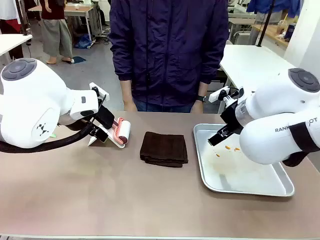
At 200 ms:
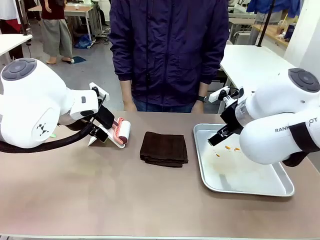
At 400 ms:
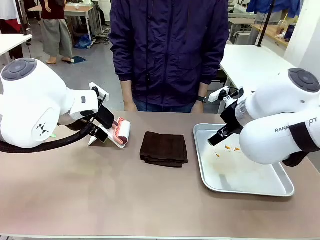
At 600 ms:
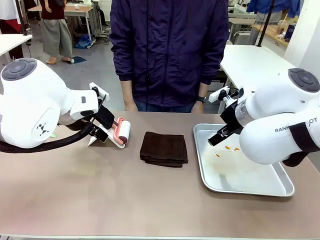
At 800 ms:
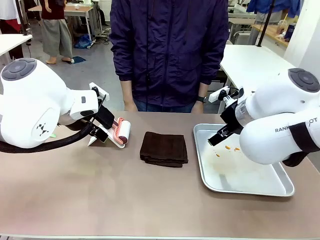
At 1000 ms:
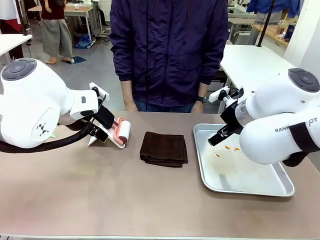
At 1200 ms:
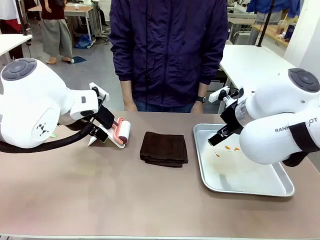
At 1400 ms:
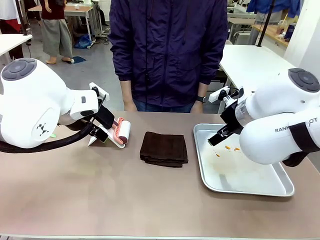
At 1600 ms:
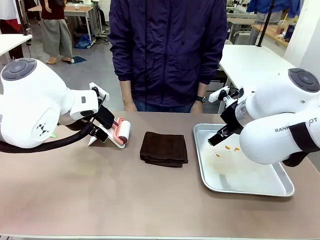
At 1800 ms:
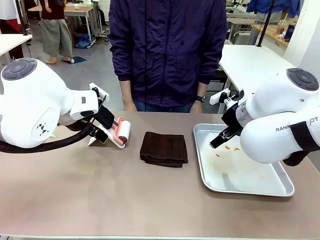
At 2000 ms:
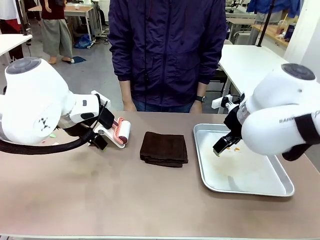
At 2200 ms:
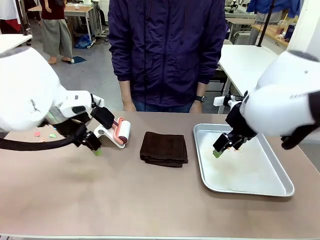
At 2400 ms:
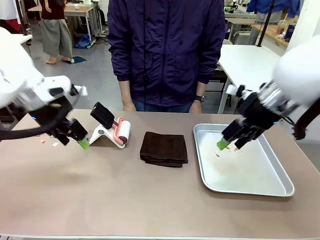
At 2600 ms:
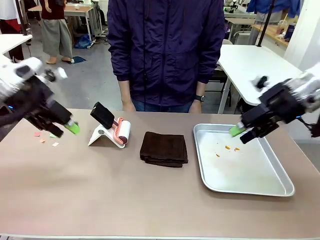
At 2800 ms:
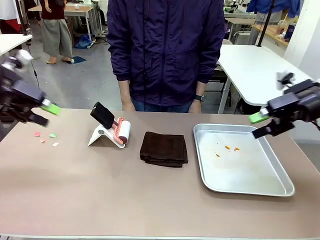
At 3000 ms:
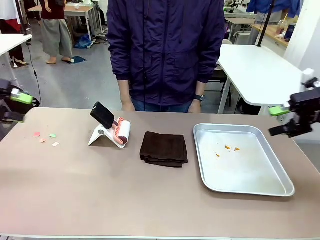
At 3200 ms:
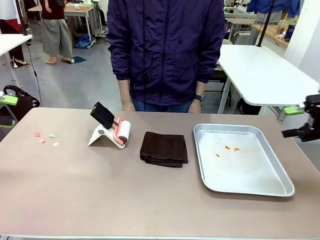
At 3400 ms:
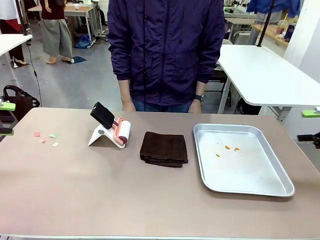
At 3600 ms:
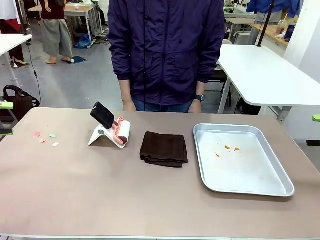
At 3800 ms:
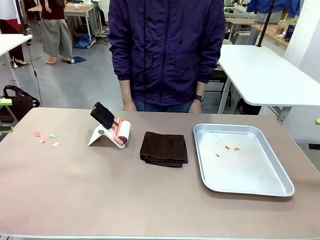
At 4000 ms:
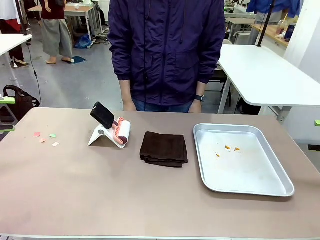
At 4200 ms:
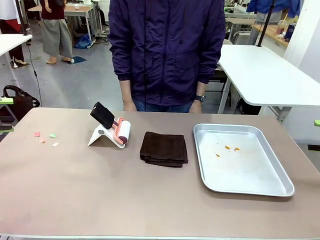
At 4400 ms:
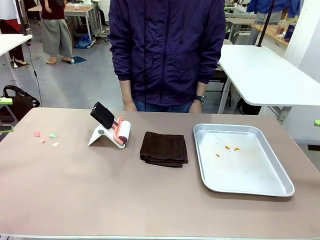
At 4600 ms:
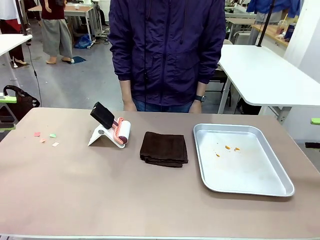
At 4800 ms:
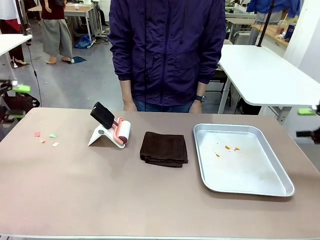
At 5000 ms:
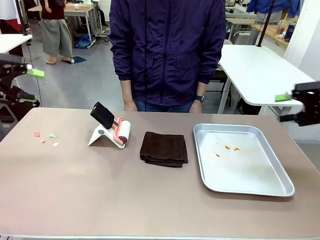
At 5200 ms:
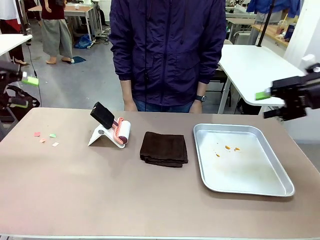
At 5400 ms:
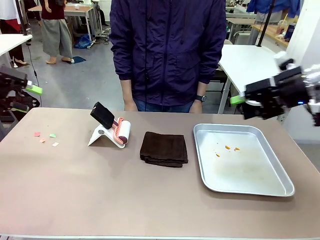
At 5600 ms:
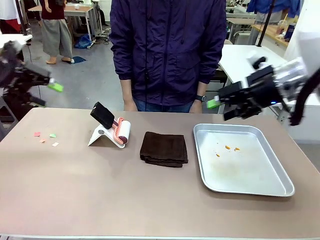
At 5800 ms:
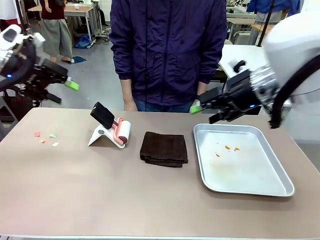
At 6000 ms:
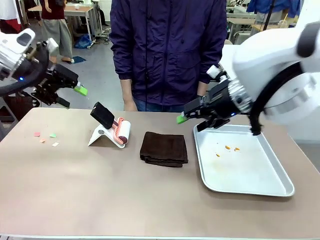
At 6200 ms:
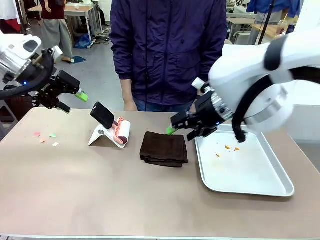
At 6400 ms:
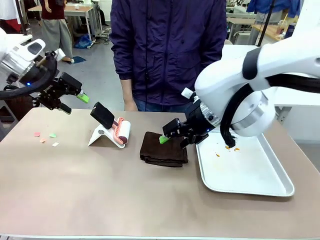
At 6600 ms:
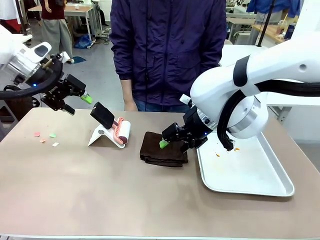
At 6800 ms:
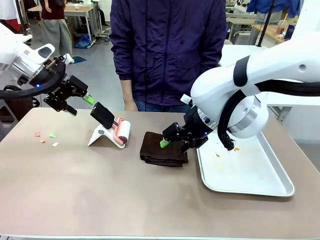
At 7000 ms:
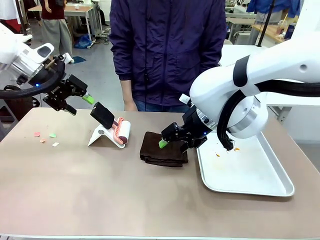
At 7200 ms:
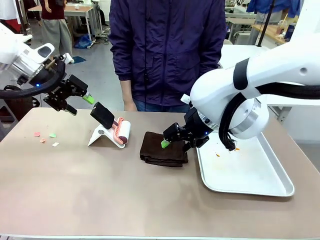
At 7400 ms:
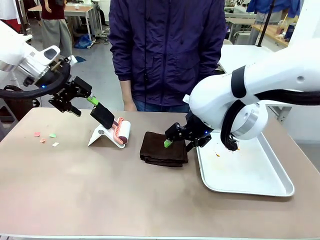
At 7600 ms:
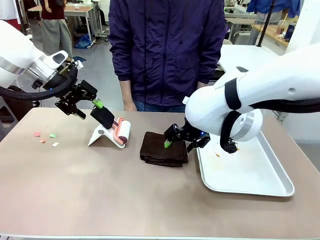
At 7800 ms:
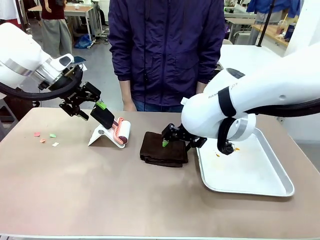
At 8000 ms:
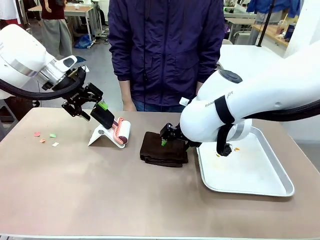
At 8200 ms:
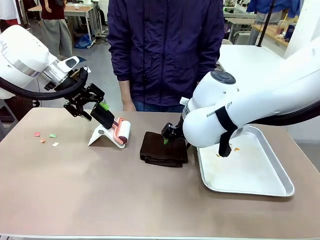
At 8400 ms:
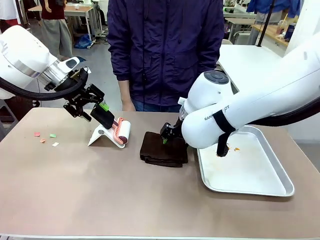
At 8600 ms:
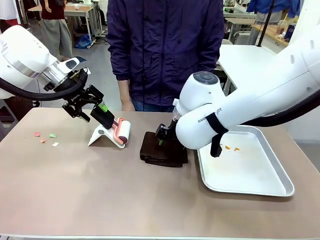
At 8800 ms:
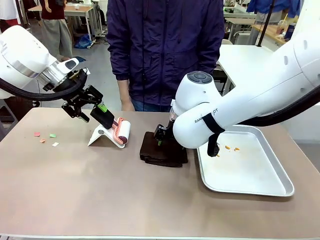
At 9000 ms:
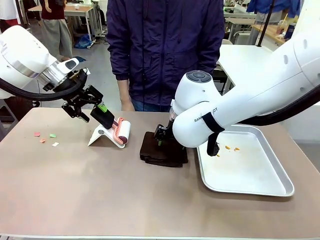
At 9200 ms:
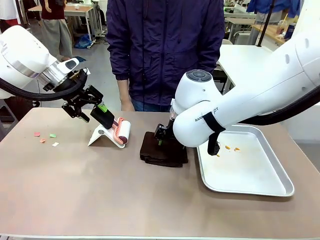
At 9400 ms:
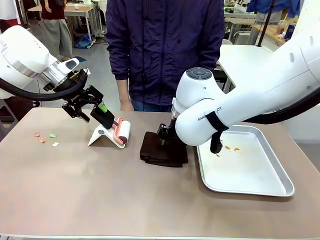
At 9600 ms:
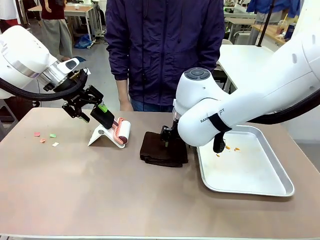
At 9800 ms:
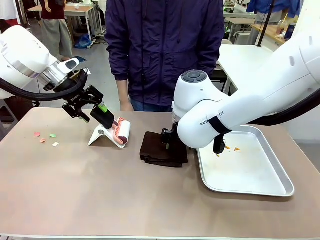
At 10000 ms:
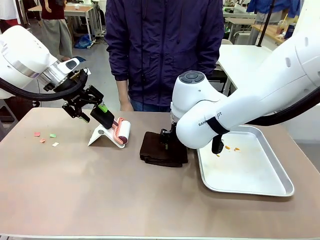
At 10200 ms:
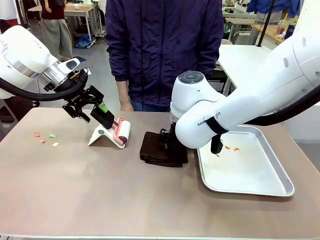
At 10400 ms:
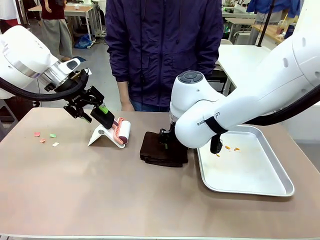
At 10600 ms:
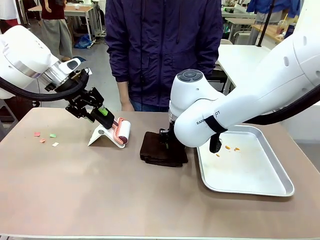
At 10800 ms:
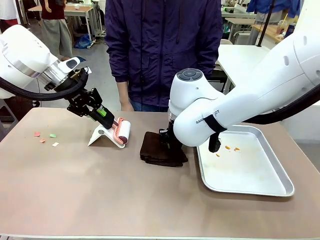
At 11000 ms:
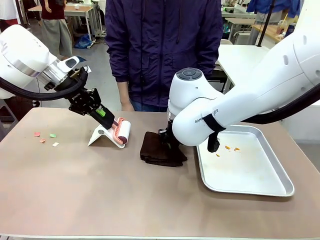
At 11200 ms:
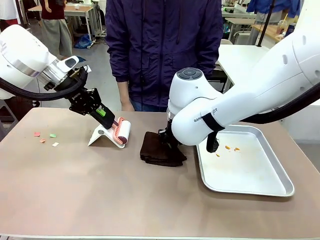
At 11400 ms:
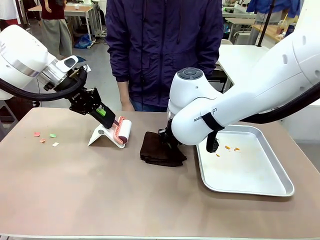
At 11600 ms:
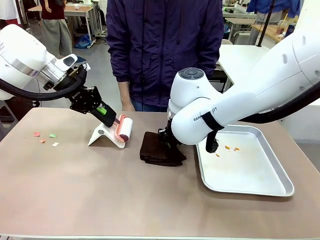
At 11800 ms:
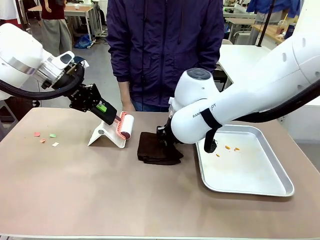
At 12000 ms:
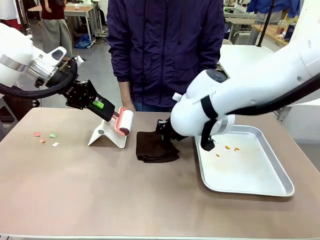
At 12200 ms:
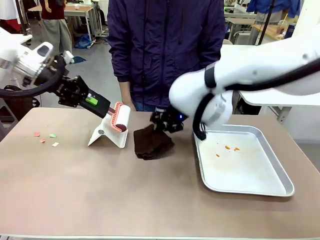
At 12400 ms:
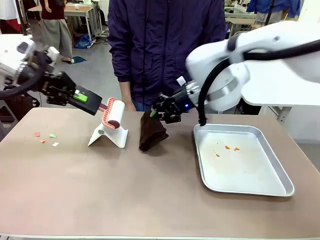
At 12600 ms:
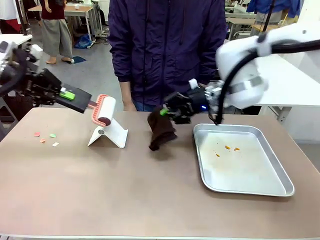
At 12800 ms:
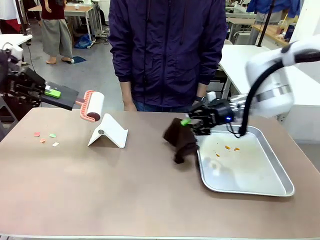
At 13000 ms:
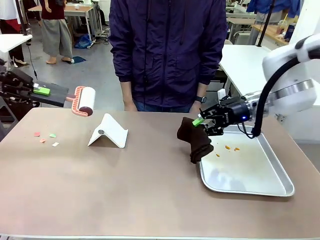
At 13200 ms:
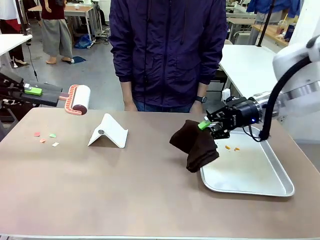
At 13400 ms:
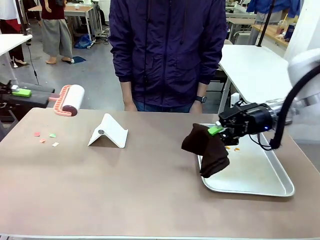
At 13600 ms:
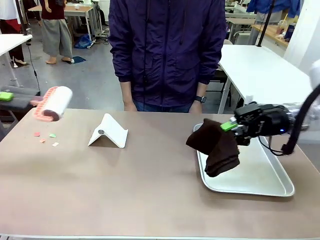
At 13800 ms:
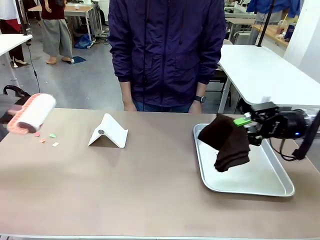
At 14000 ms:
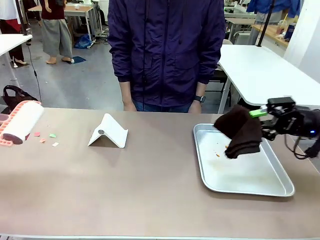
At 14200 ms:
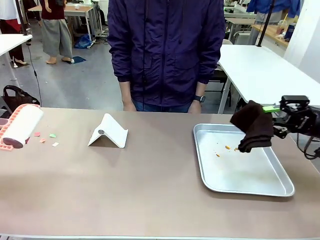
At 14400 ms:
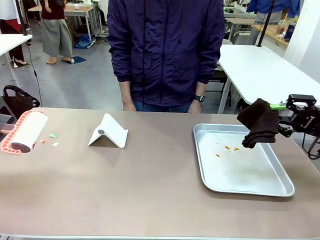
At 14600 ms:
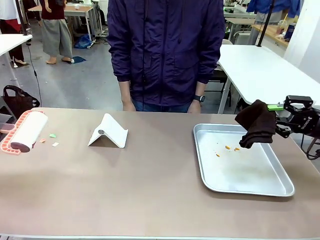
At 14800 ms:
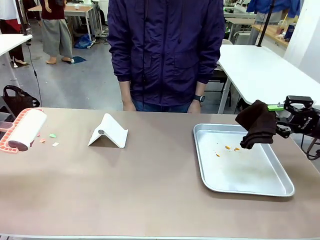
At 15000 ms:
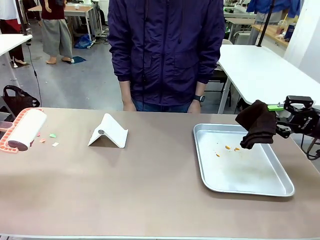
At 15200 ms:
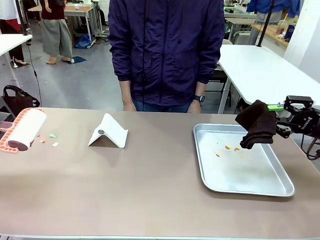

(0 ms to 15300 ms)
Task: Clean the surface of the table.
Robot: Hold the Lint Roller with your left hand and the towel with your right hand.

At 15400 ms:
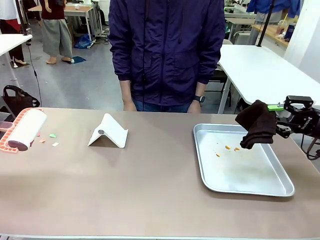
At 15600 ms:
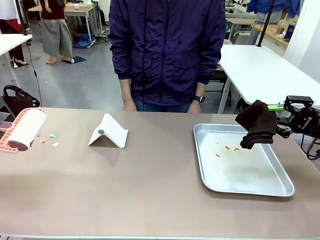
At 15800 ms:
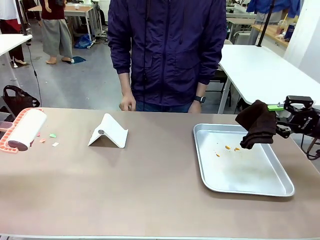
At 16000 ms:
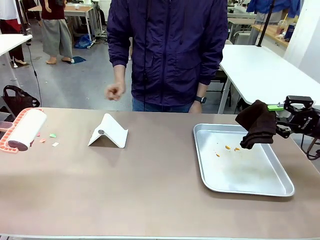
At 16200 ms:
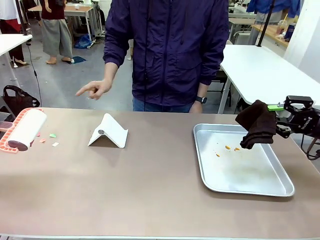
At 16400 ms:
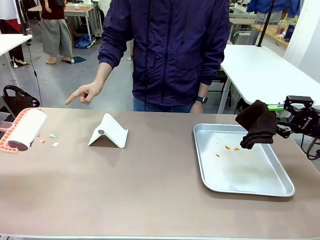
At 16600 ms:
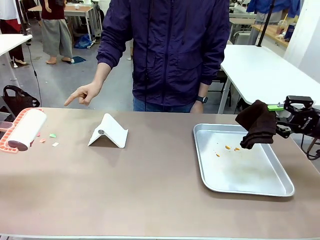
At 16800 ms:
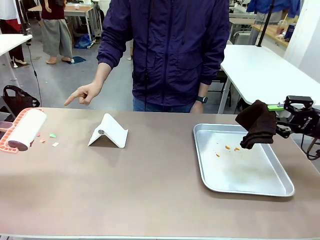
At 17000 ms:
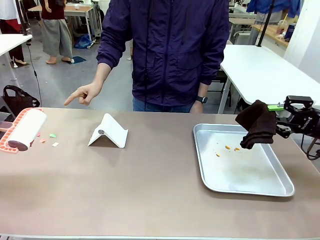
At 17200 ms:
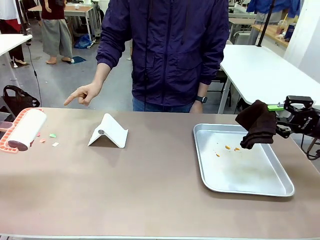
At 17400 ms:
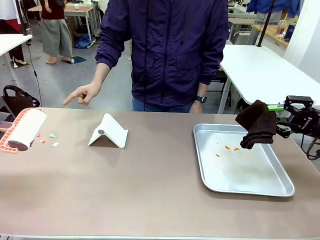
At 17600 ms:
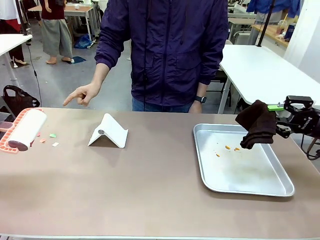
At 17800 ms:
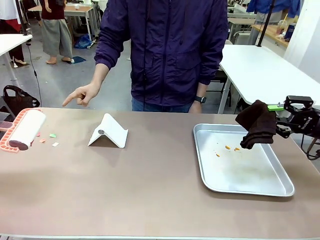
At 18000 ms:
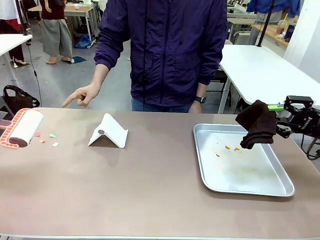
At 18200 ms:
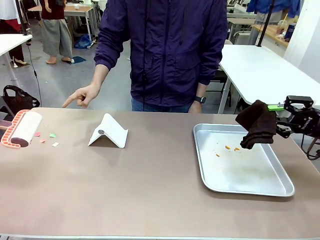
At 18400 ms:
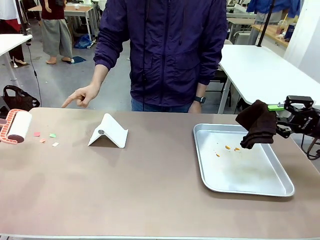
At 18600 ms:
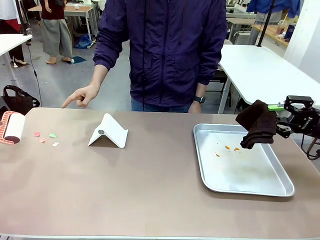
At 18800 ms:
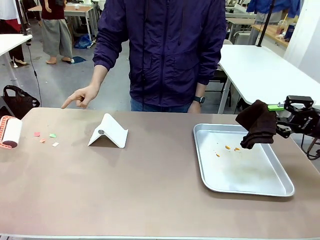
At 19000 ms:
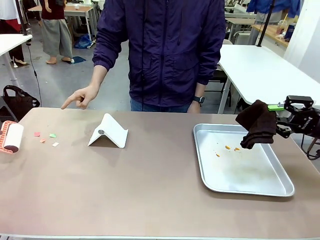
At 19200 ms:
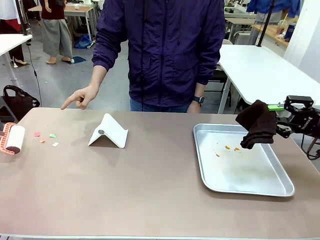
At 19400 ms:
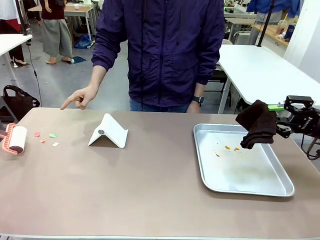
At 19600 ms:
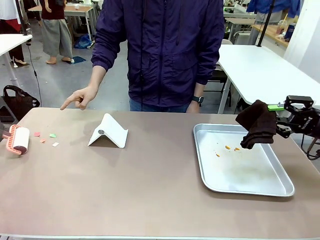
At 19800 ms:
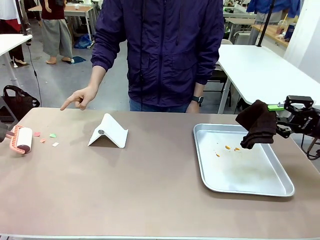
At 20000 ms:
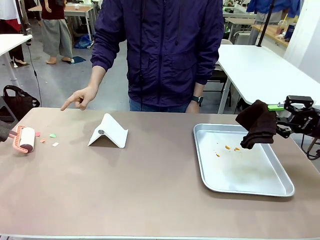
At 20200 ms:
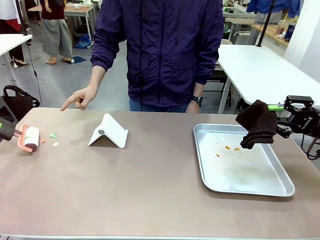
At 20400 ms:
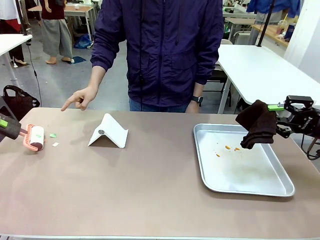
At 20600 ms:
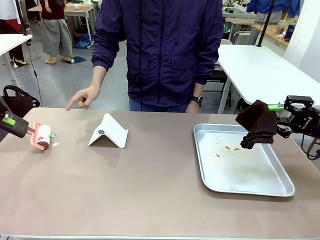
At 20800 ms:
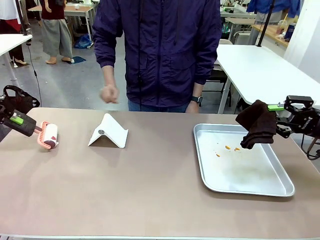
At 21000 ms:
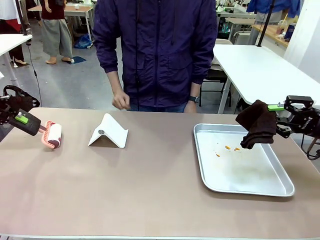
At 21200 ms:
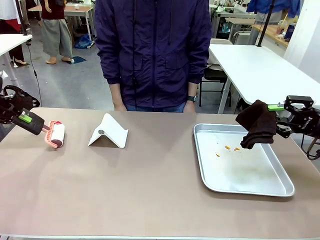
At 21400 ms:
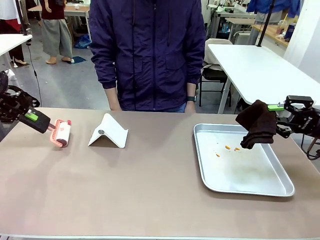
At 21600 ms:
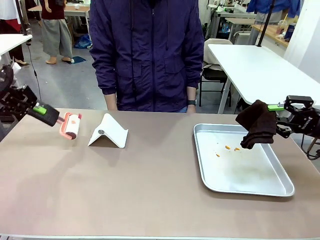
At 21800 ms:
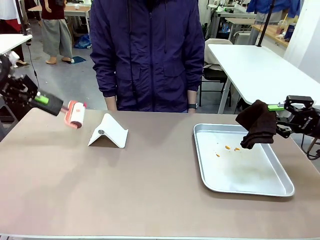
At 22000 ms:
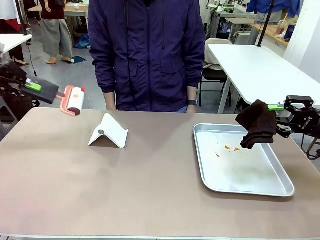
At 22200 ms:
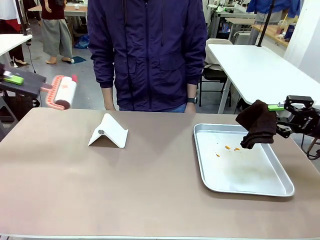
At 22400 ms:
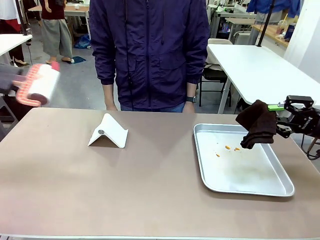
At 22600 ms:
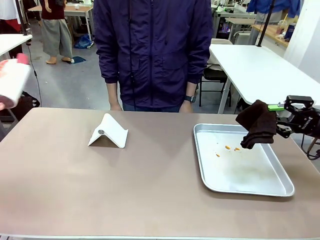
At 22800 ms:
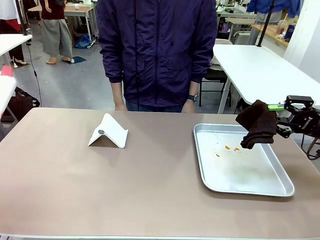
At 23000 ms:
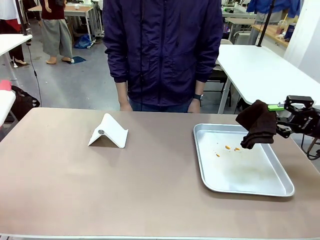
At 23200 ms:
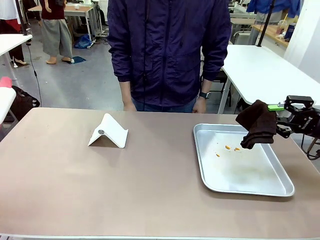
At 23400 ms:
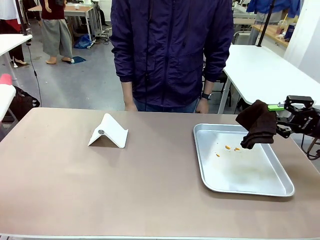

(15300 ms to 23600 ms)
Robot: If a person points to the right, clean the right side of the table with your right hand, and if they point to the left, clean the left side with your left hand.
